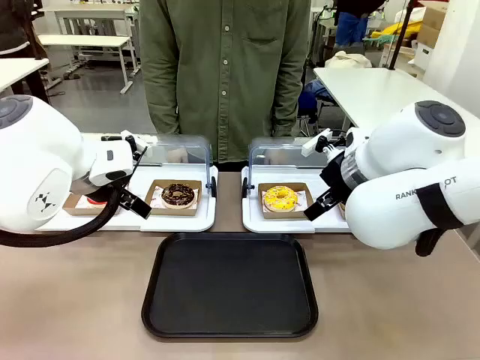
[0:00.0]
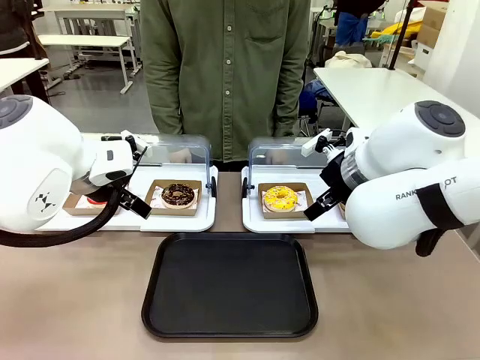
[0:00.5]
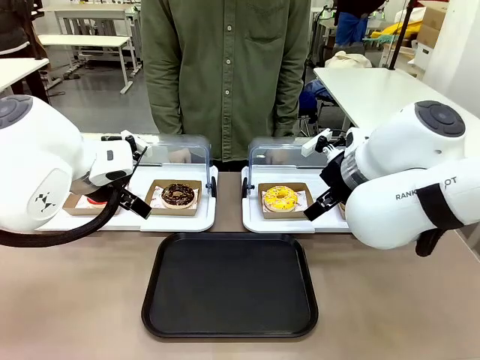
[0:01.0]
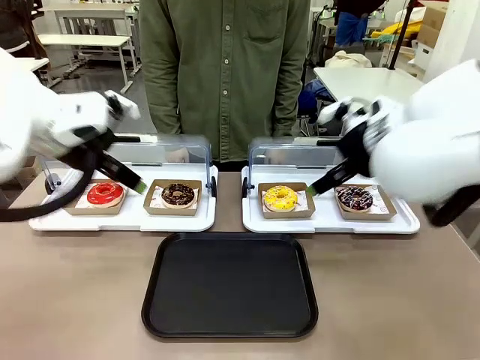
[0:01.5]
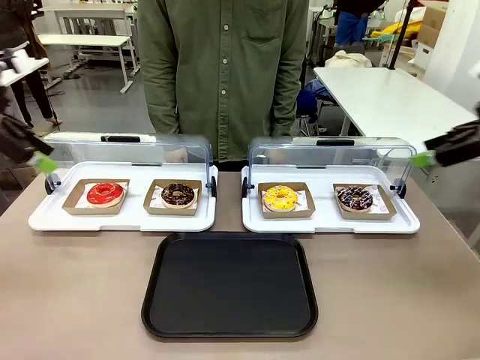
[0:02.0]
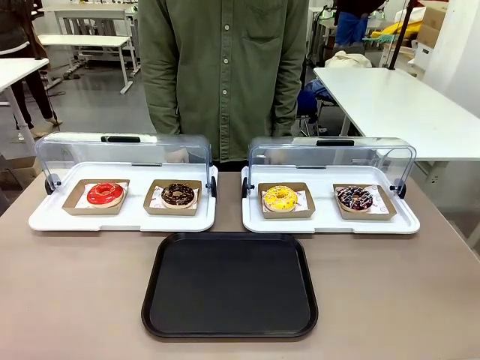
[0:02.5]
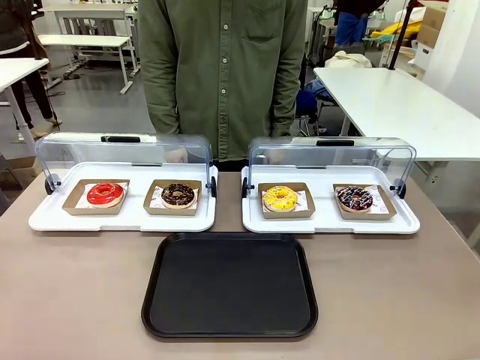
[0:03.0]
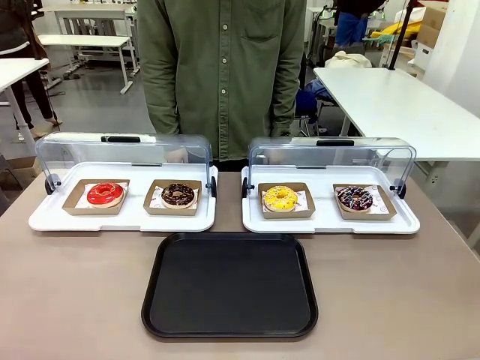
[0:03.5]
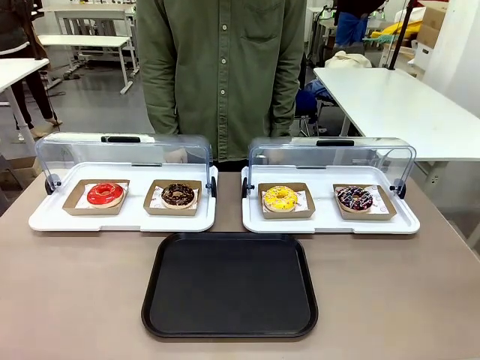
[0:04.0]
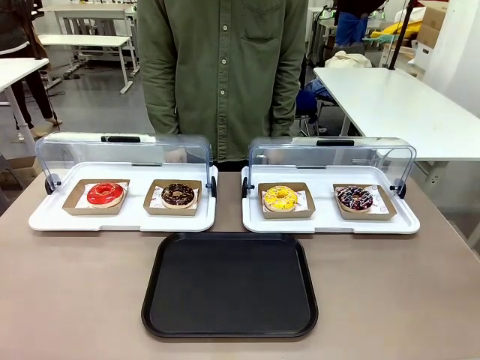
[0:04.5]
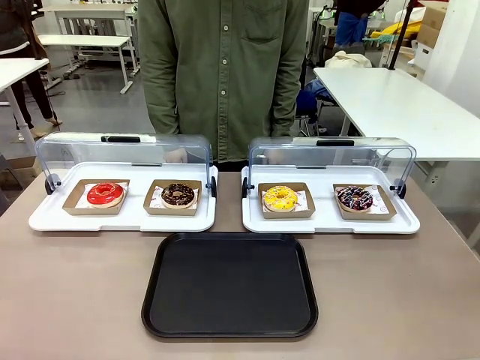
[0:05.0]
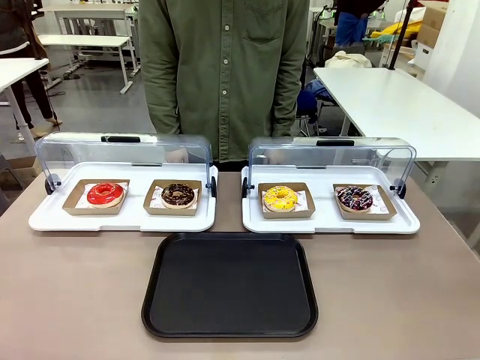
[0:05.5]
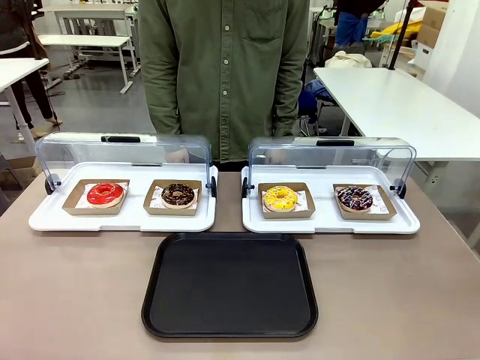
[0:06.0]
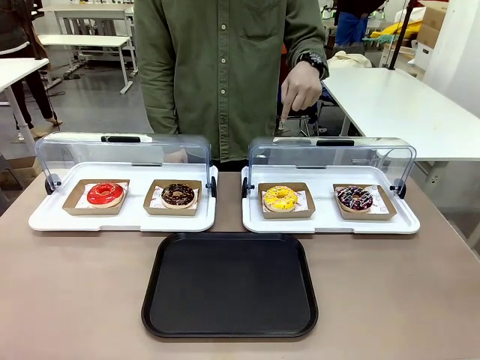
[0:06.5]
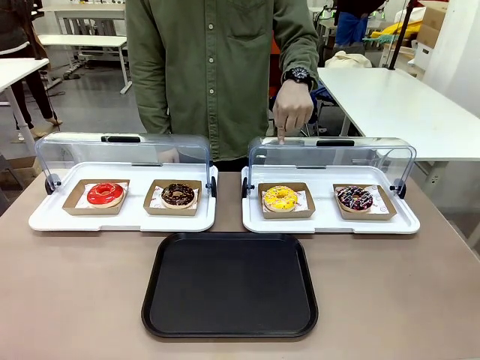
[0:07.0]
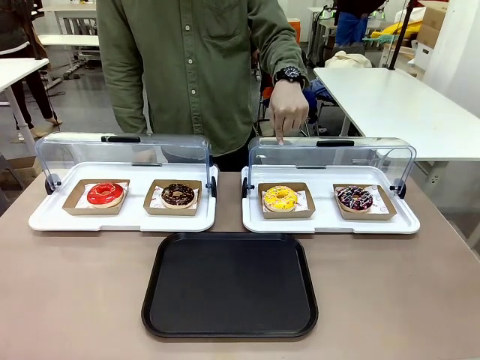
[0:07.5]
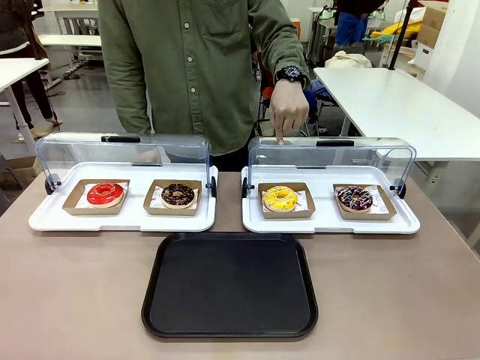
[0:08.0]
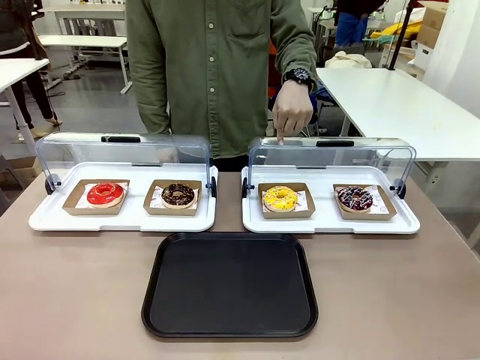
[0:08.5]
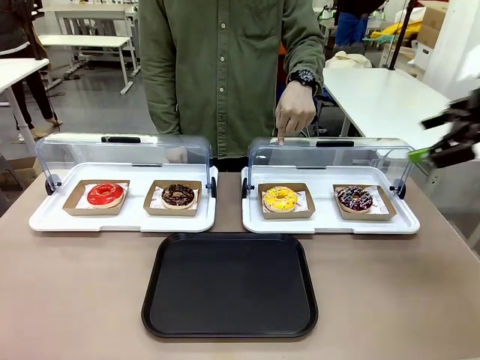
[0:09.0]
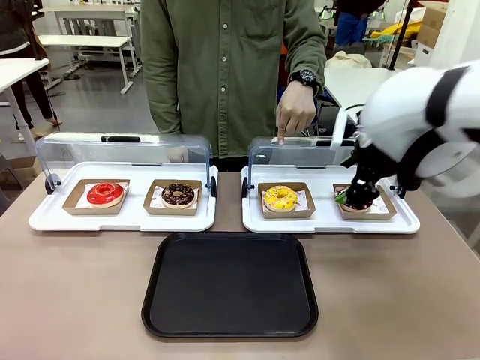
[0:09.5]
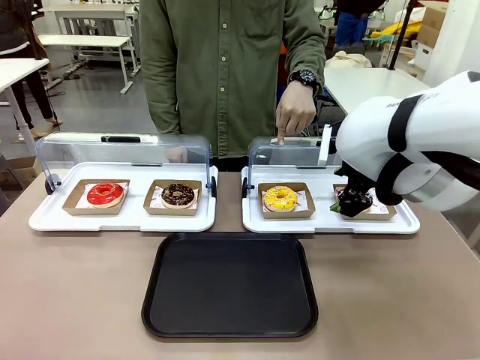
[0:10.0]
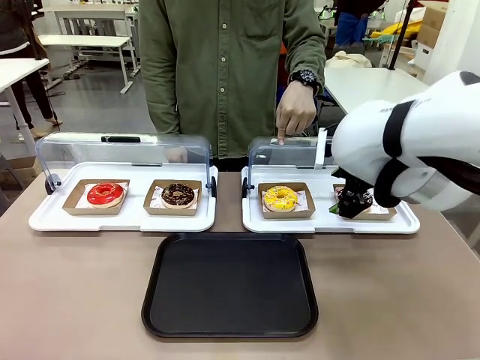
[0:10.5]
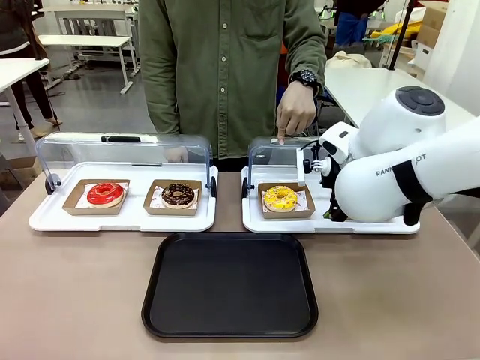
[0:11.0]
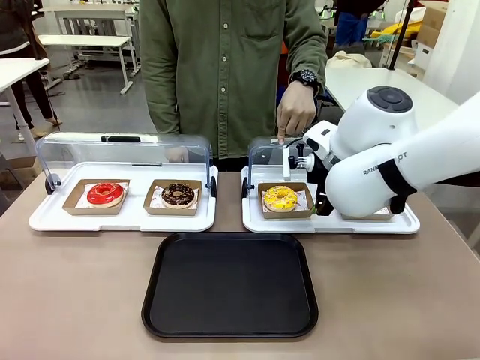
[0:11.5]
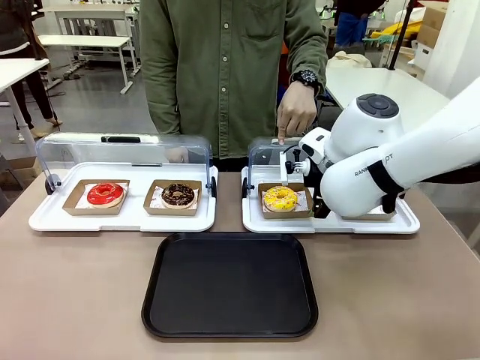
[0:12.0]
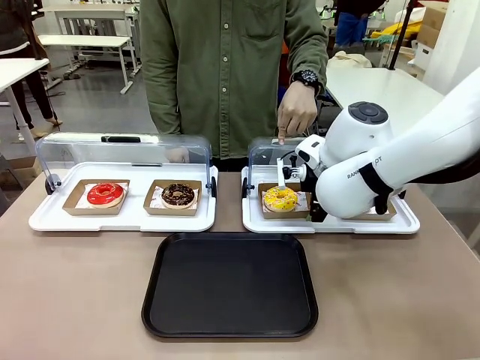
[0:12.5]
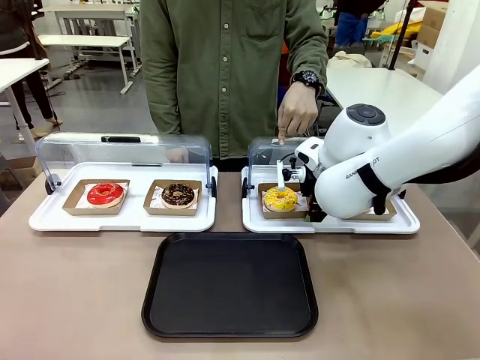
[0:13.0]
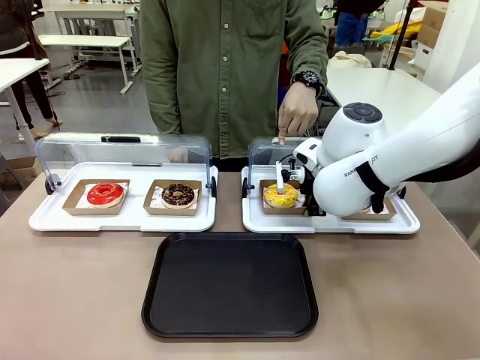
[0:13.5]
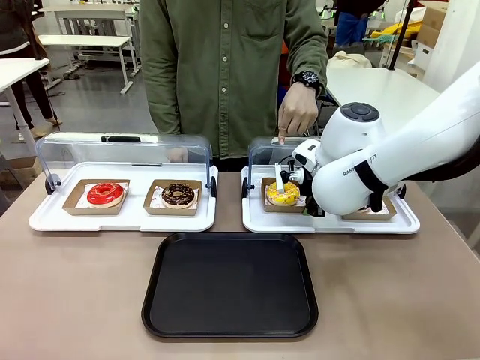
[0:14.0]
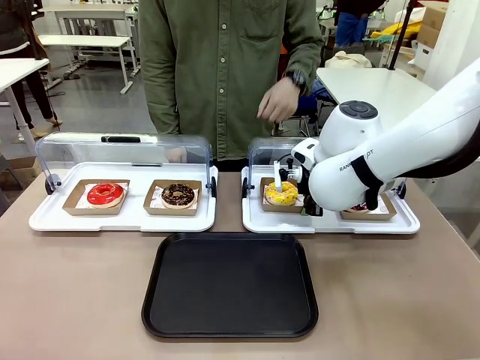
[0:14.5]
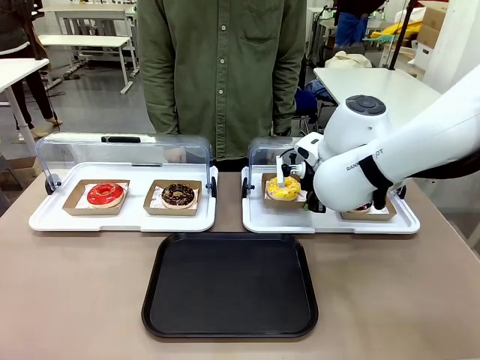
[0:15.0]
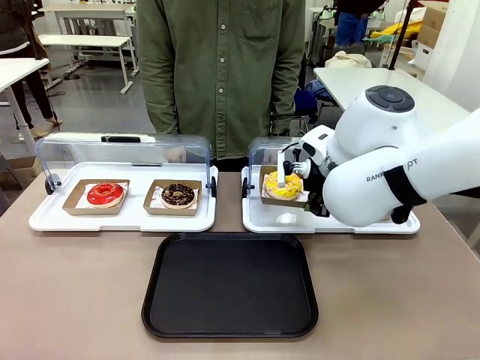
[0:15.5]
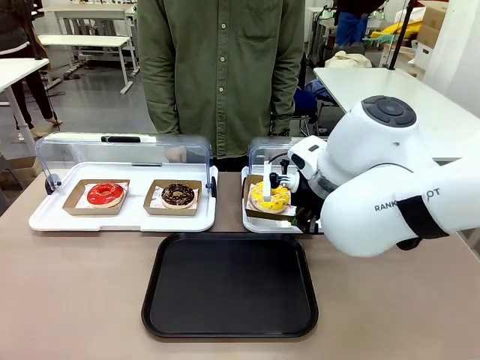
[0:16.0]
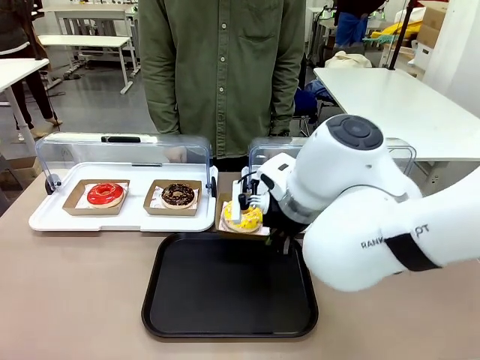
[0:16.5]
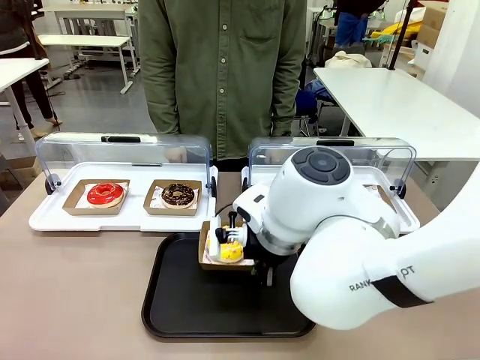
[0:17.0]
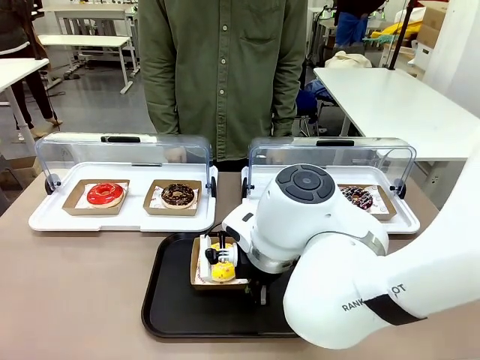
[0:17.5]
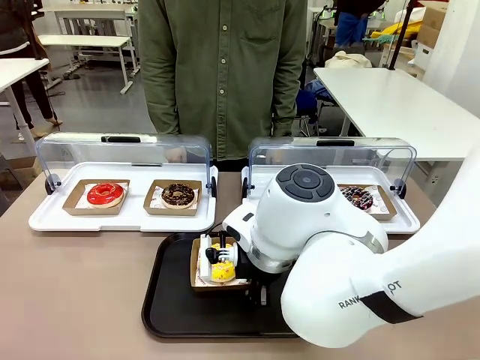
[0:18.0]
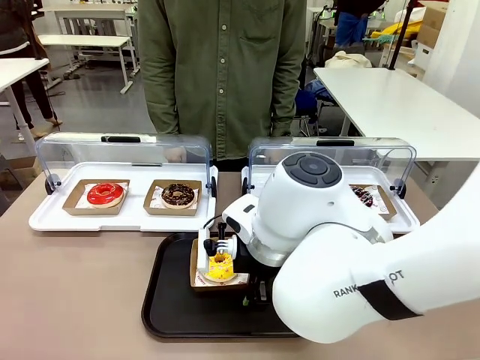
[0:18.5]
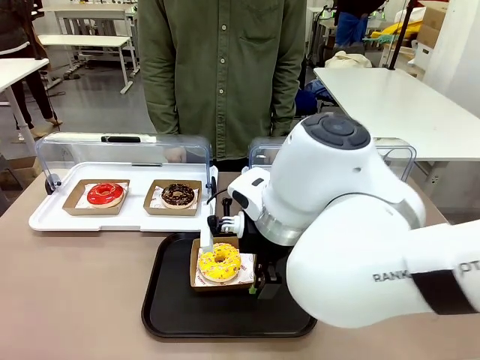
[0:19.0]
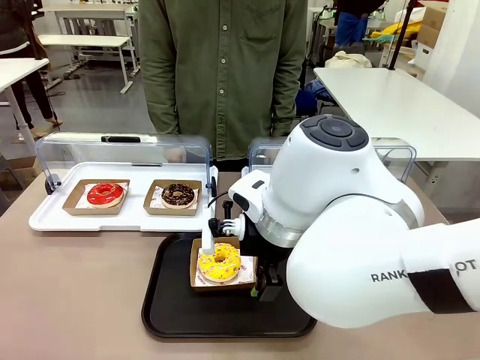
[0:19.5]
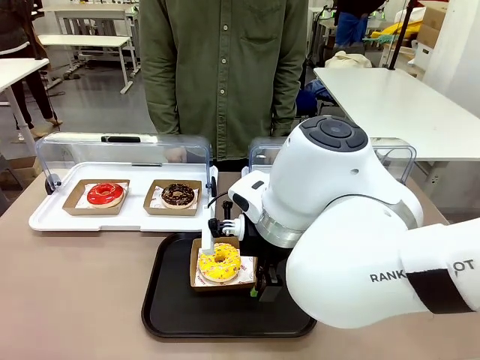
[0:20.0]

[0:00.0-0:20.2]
Task: Move the third donut from the left to the tray.
Robot: Pick up the Paper togo box containing the Donut indicated by the person and place it on the Handle tray.
Person: Points to the third donut from the left from the robot’s perspective.
